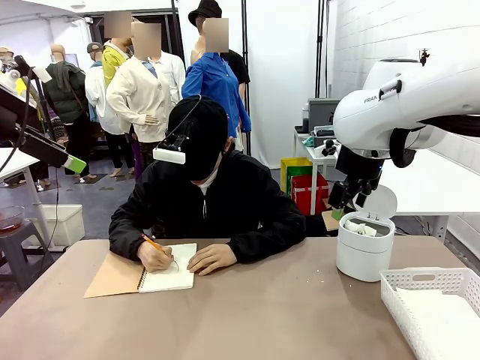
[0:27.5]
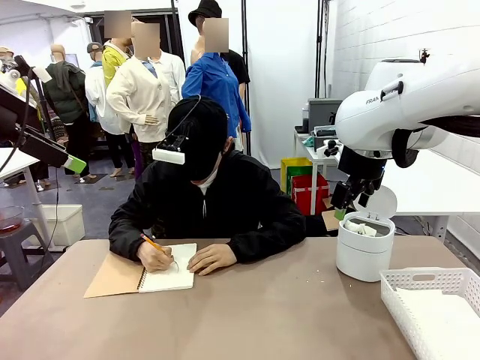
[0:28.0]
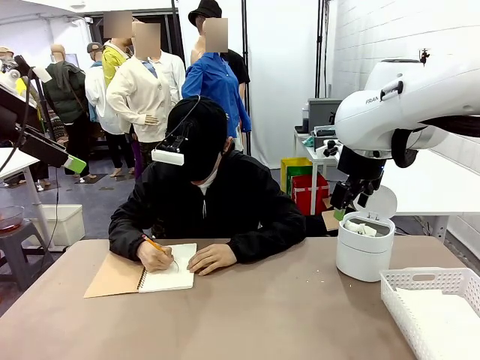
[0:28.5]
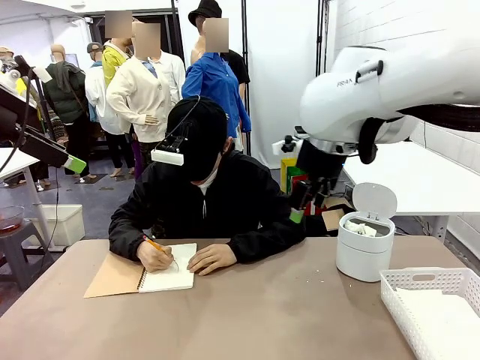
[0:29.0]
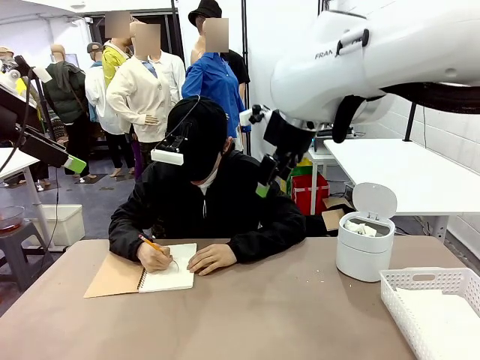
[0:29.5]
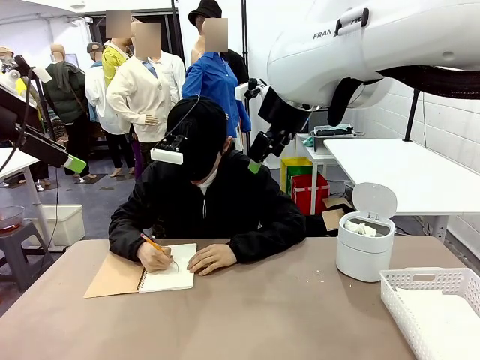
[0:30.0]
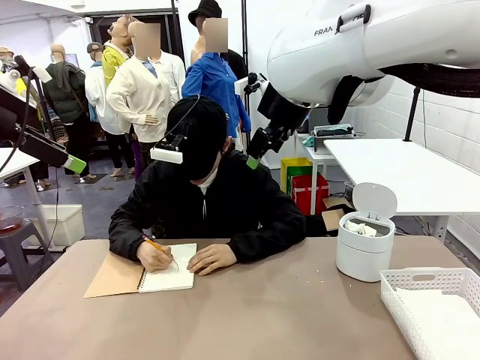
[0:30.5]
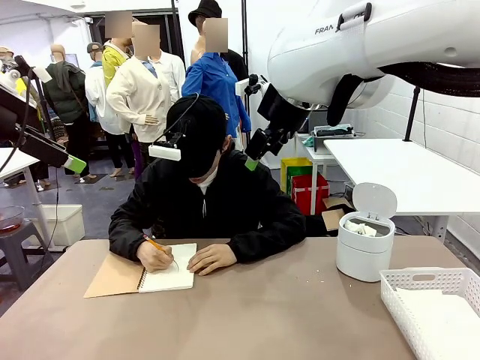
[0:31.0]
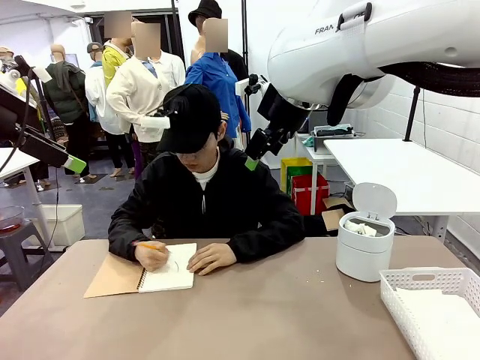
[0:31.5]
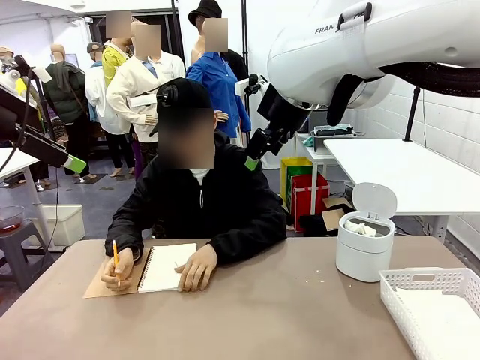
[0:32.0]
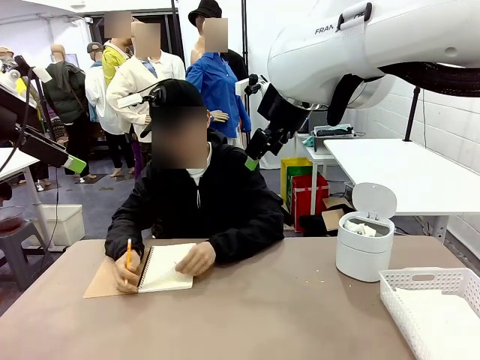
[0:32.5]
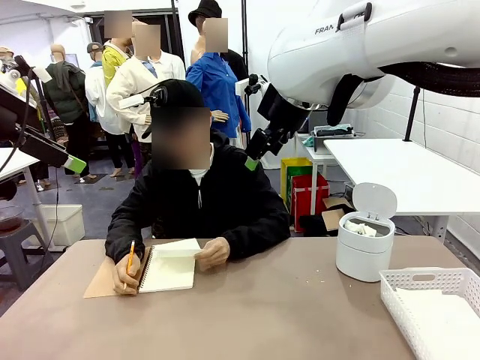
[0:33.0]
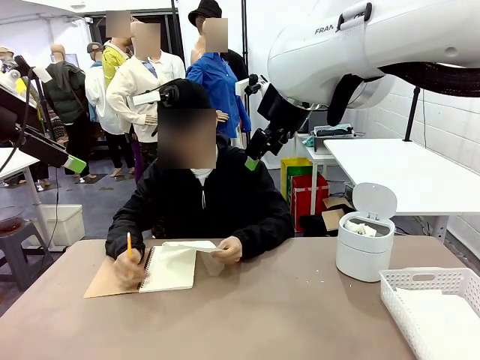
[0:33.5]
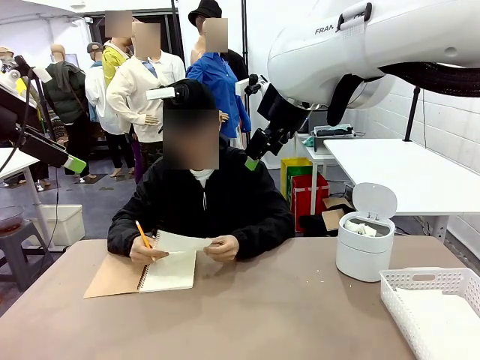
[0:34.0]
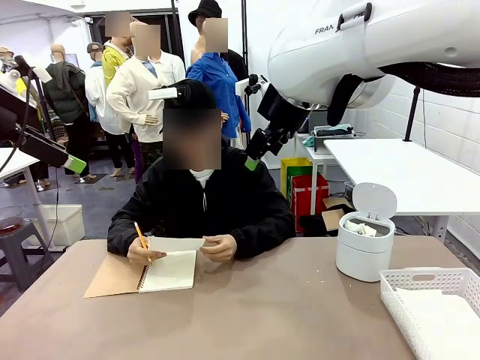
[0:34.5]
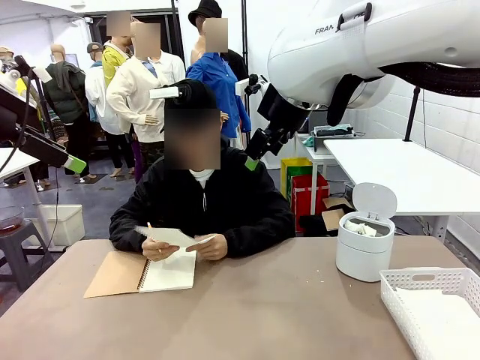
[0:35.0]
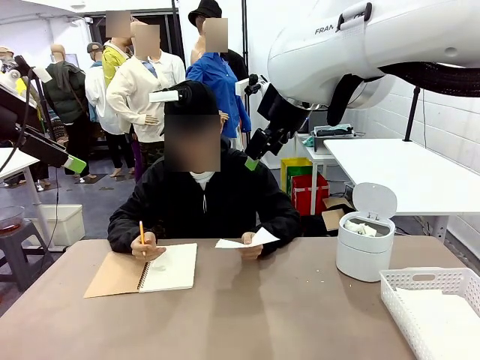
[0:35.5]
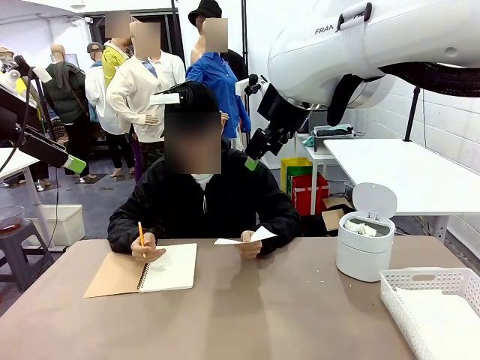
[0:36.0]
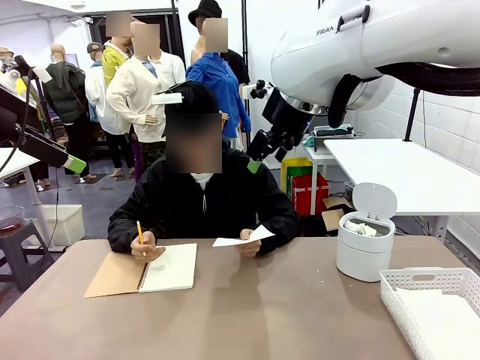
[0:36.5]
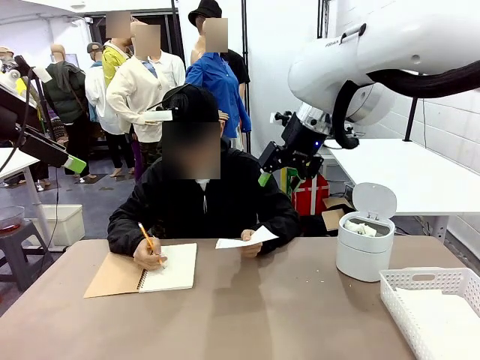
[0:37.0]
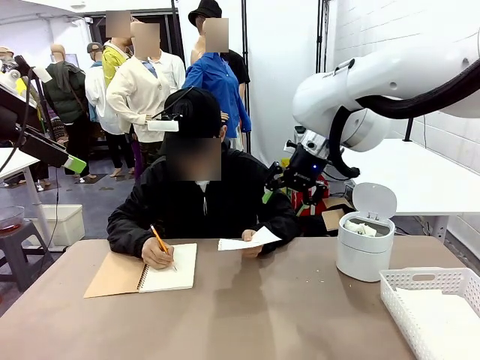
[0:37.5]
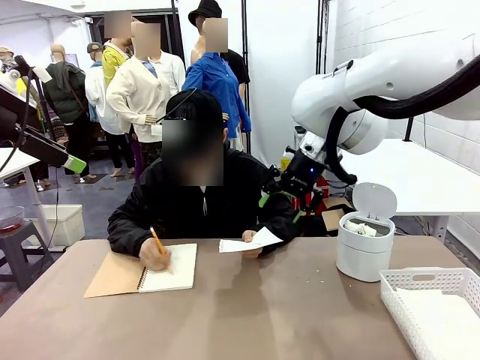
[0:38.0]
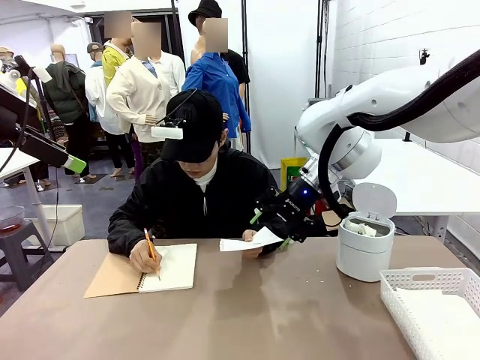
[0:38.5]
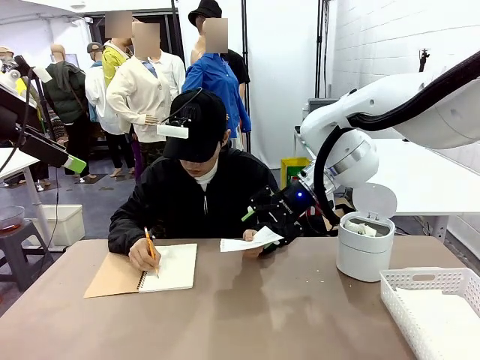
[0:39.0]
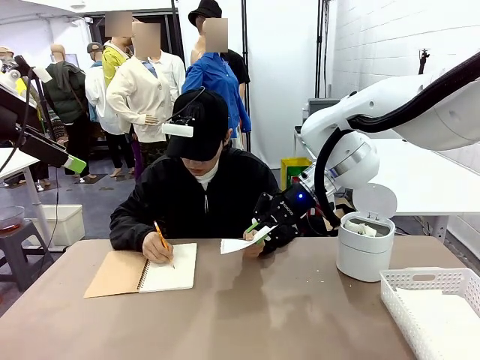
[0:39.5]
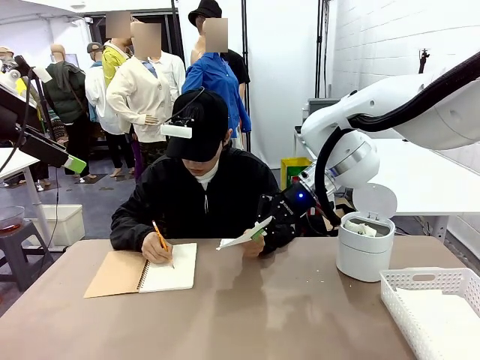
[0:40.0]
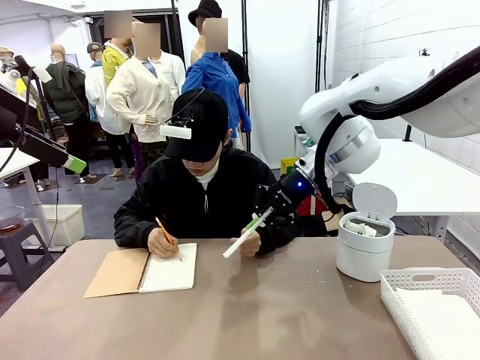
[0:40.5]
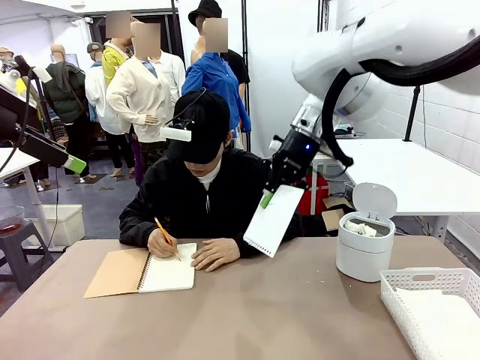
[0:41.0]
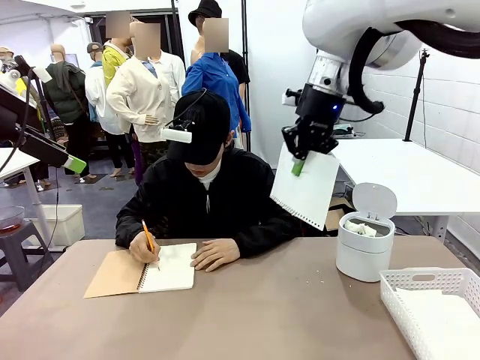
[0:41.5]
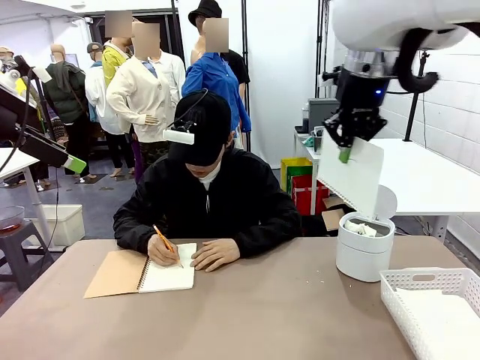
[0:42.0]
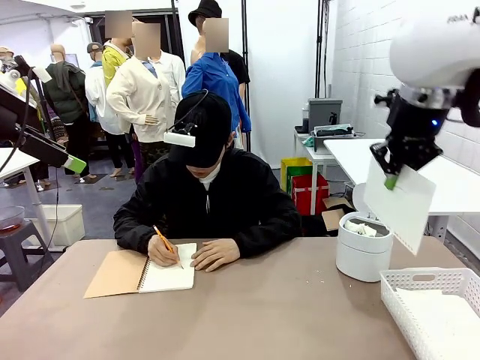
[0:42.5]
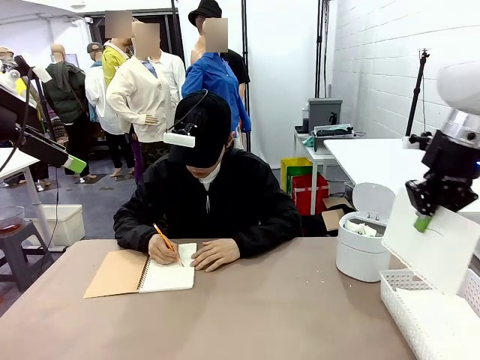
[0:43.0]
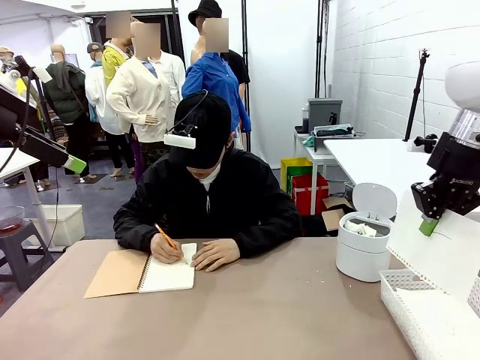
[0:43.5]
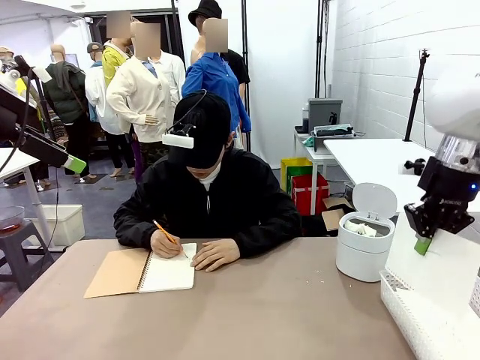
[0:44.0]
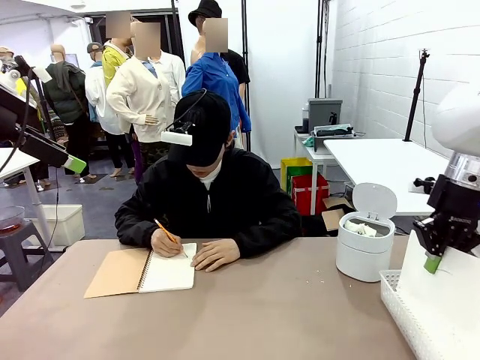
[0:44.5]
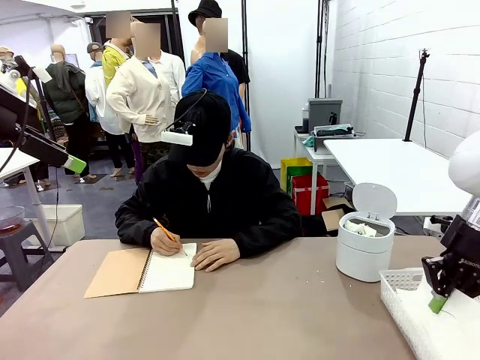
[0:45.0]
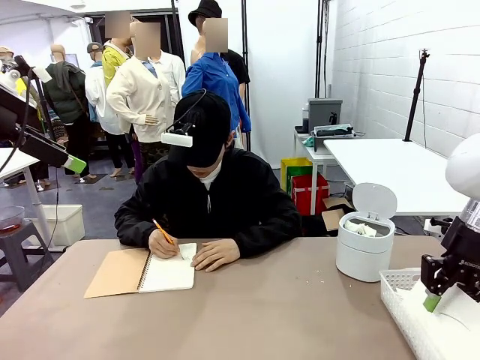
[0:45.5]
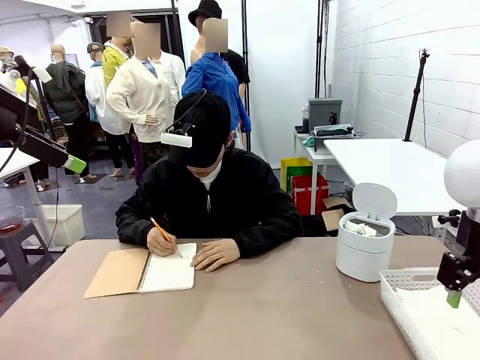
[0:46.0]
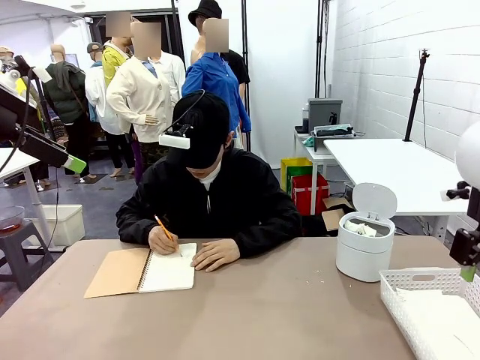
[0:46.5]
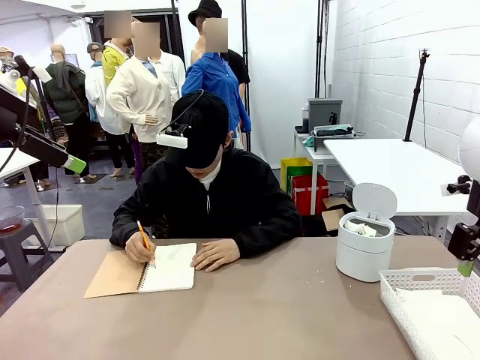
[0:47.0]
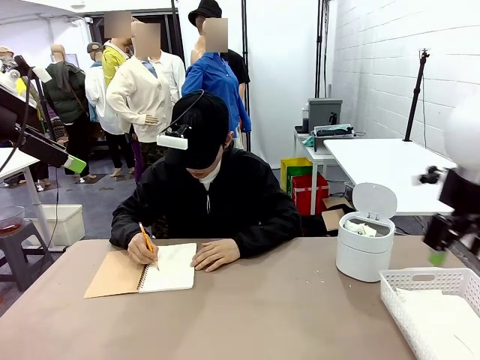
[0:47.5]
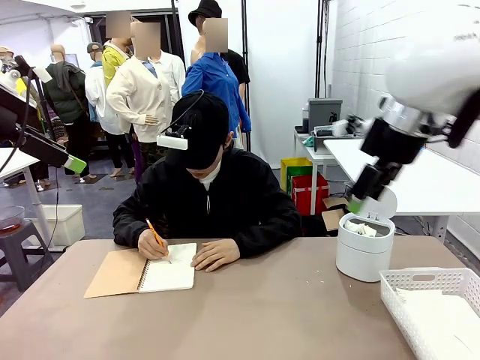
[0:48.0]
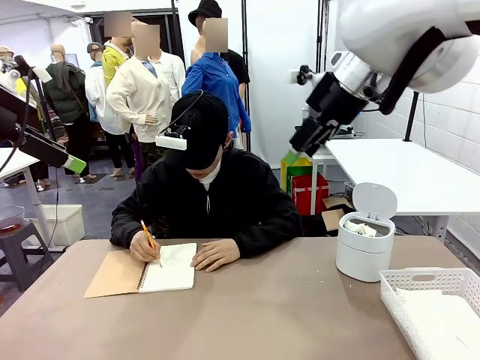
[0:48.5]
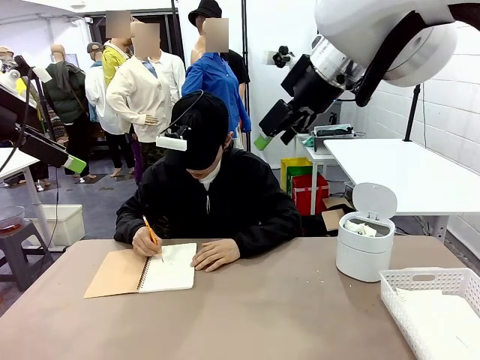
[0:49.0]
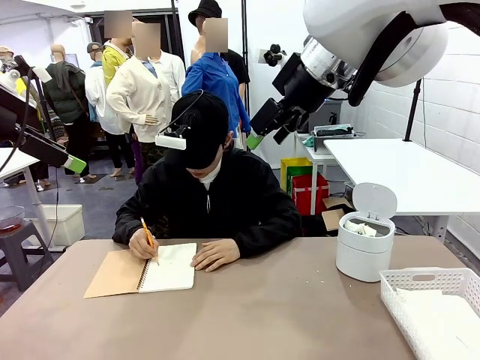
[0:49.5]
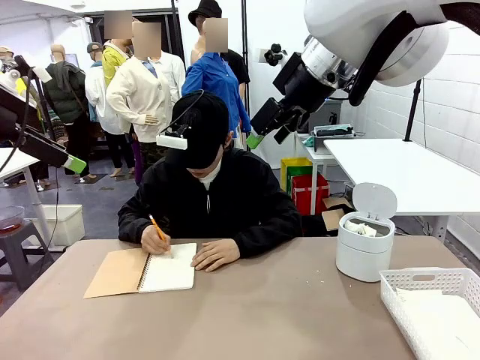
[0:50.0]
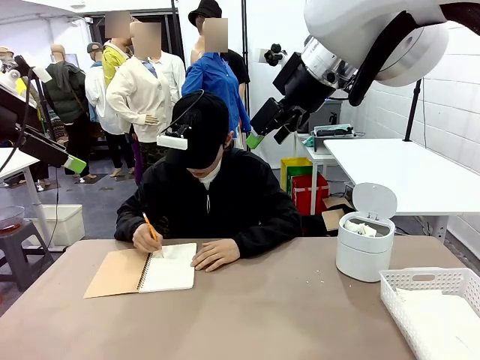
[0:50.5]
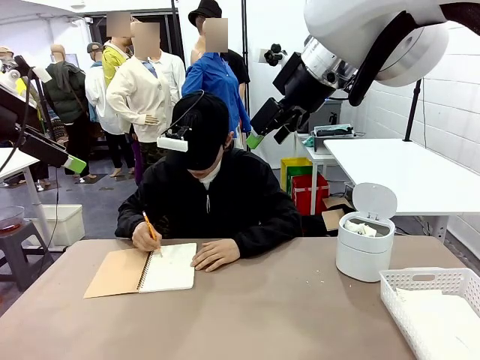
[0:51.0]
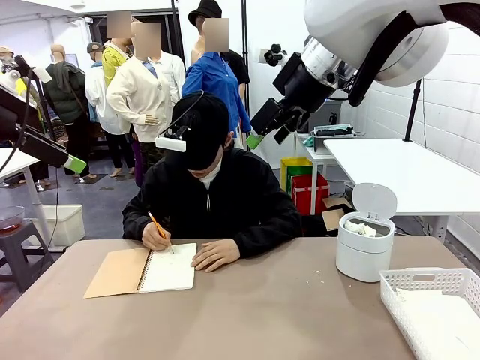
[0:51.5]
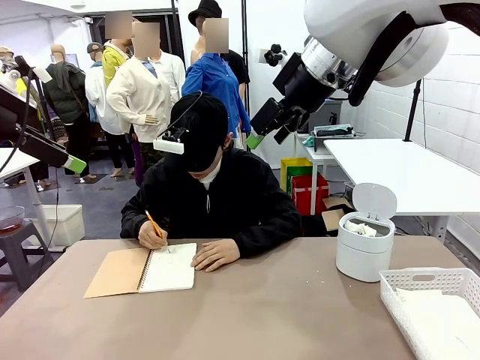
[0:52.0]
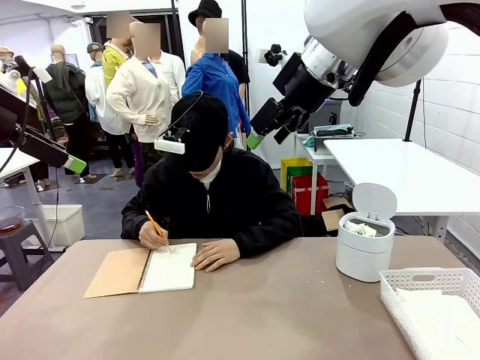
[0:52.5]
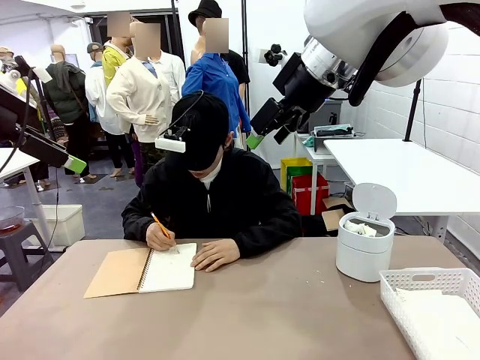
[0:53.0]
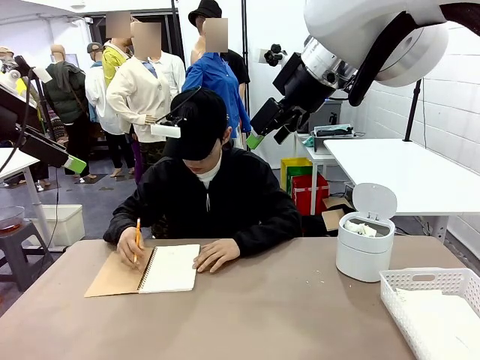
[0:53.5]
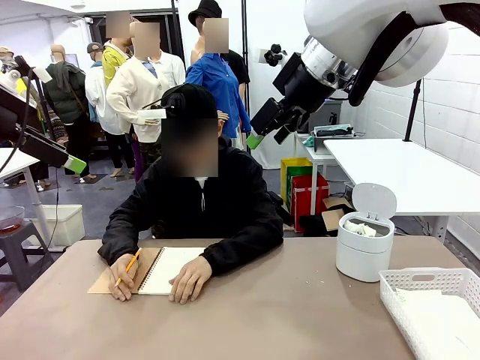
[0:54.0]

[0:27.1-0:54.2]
Task: Sort the paper based on its condition.
Robot: If a person hands you a paper, place it in the Organizing basket , and if it's crumpled, put it in the Trash can.
Person: Hand the torn page to the robot or crumple it and throw it to the center of the table. Tear out a page from the spiral notebook.

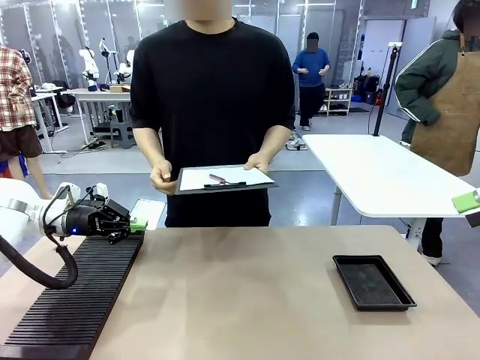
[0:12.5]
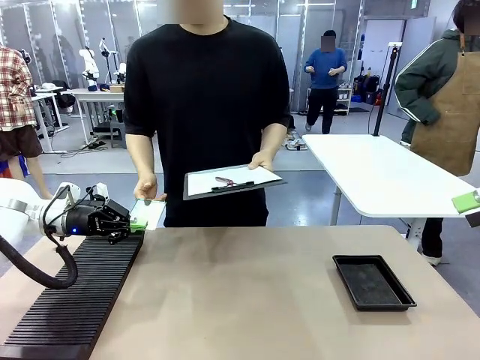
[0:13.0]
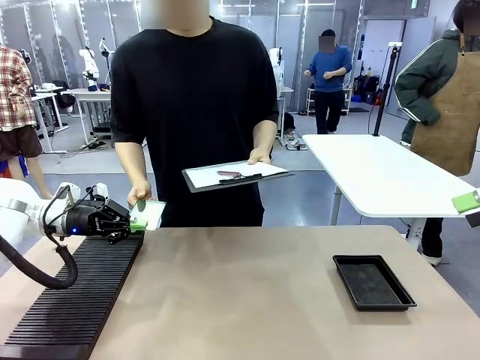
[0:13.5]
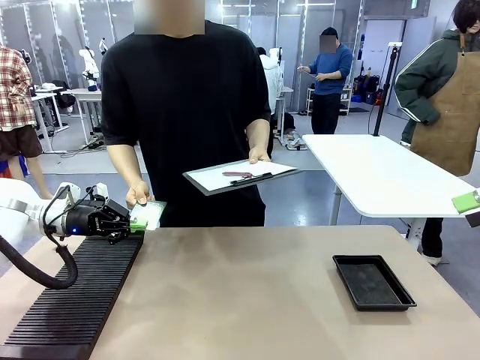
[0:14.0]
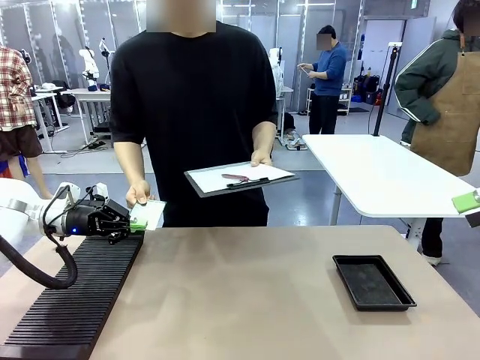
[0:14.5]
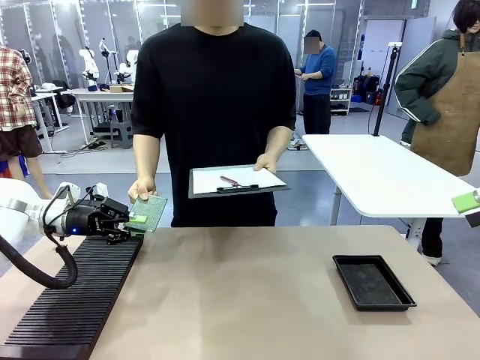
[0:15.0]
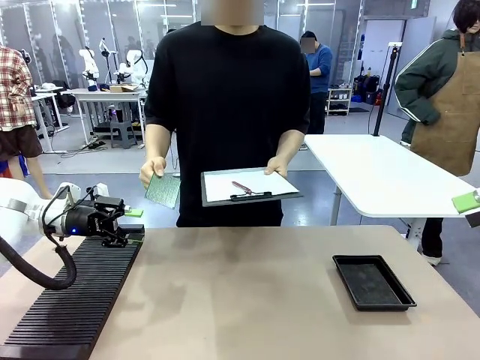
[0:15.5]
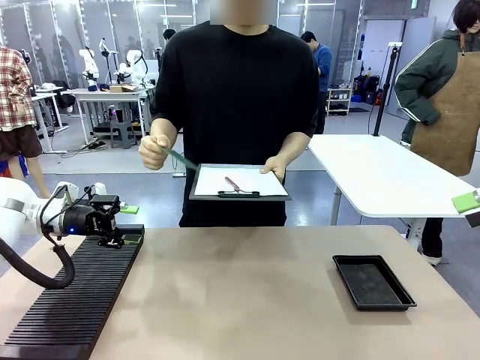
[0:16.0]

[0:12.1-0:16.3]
Task: Inspect the PCB.
Robot: Release the Blank PCB you were holding.
